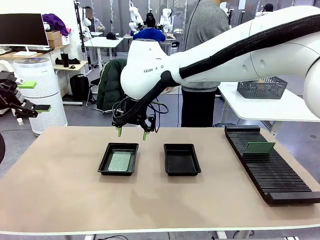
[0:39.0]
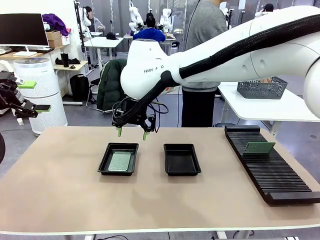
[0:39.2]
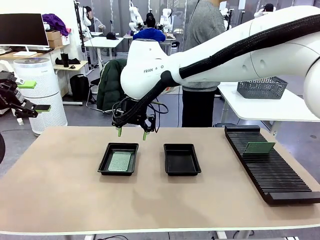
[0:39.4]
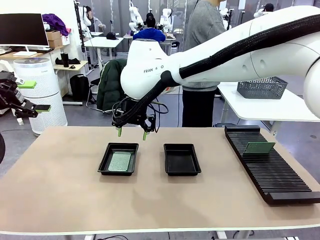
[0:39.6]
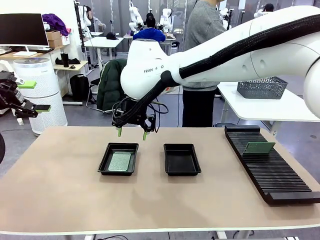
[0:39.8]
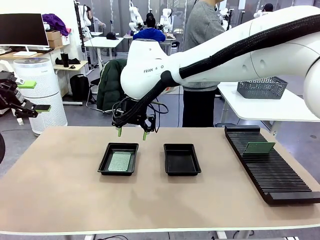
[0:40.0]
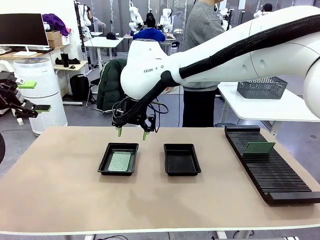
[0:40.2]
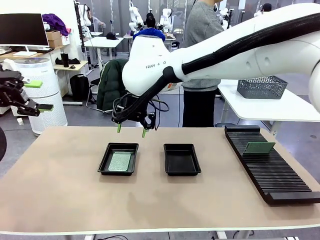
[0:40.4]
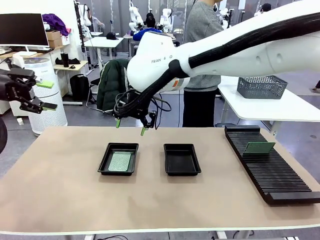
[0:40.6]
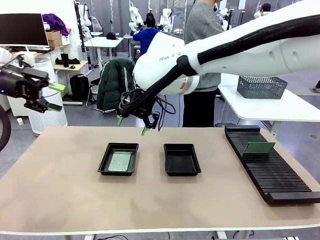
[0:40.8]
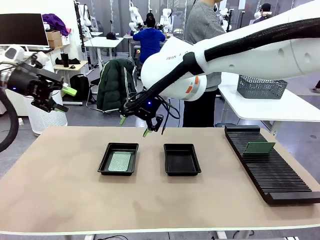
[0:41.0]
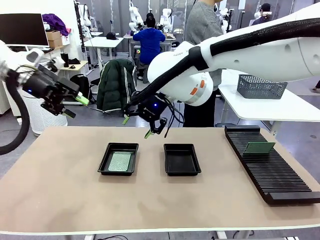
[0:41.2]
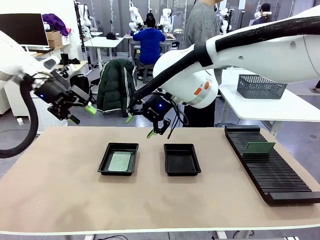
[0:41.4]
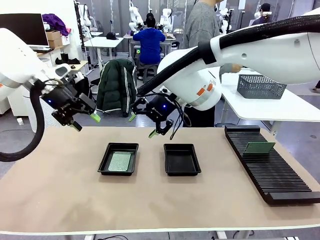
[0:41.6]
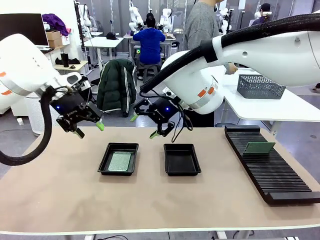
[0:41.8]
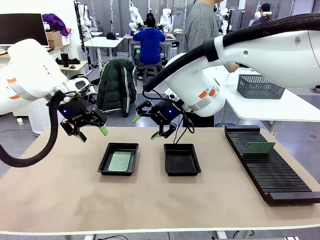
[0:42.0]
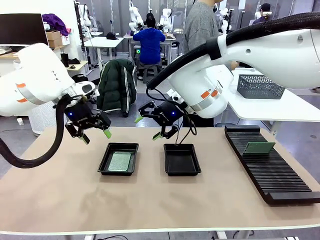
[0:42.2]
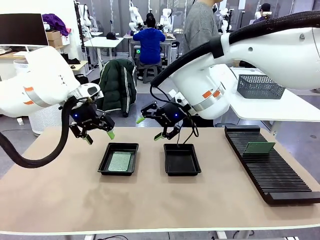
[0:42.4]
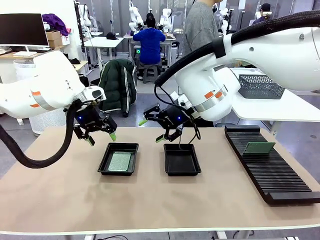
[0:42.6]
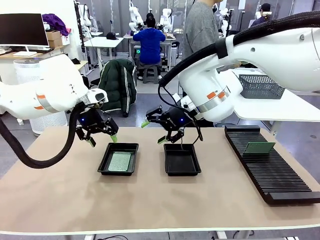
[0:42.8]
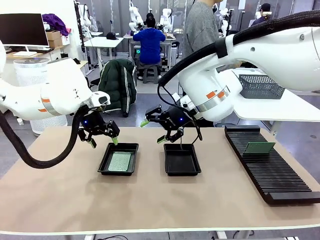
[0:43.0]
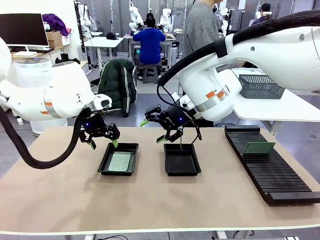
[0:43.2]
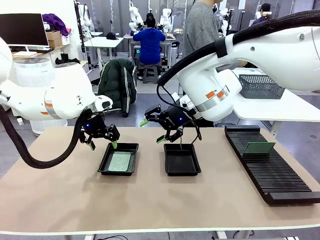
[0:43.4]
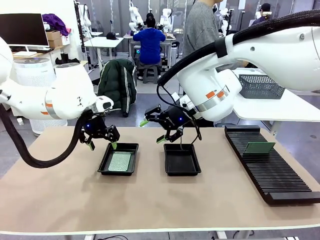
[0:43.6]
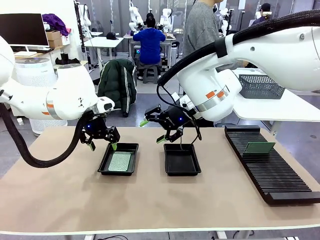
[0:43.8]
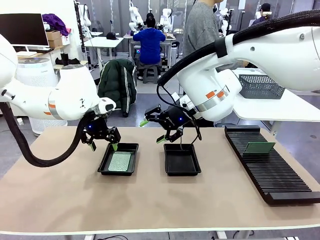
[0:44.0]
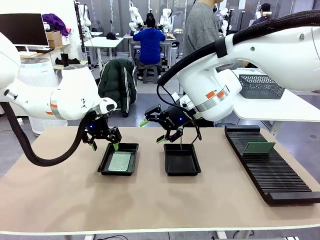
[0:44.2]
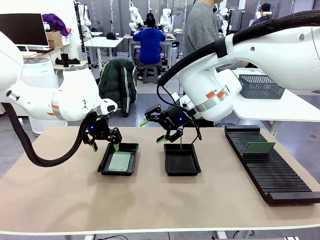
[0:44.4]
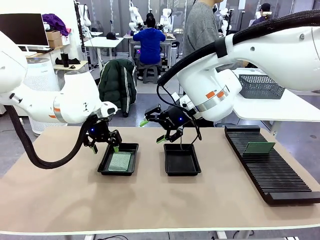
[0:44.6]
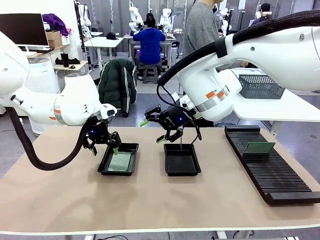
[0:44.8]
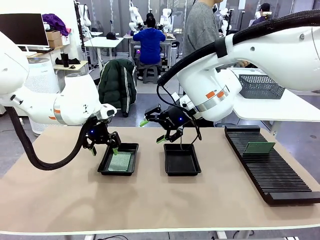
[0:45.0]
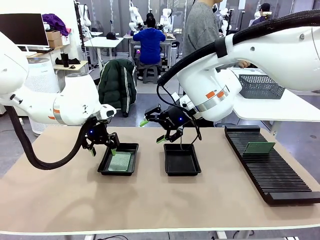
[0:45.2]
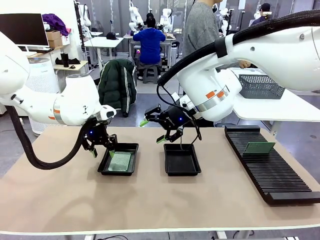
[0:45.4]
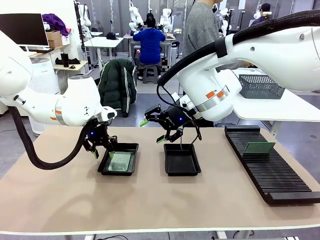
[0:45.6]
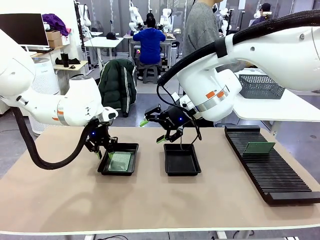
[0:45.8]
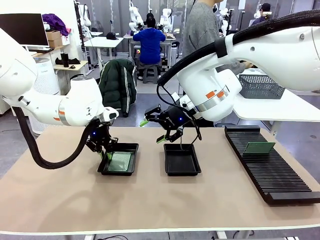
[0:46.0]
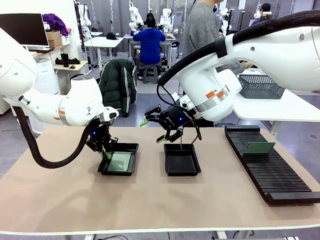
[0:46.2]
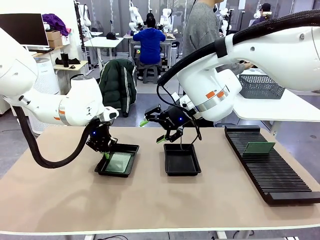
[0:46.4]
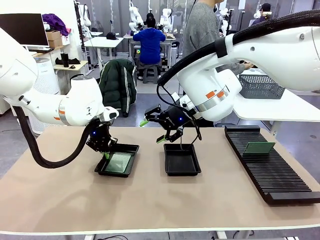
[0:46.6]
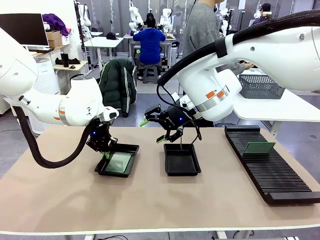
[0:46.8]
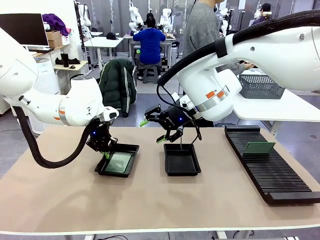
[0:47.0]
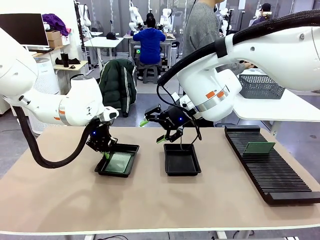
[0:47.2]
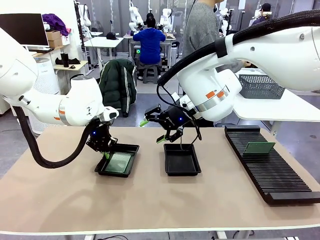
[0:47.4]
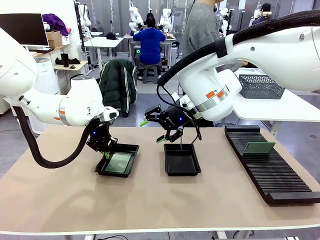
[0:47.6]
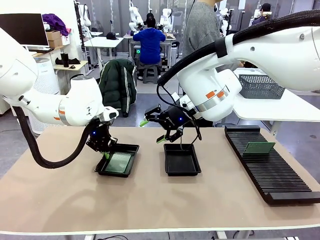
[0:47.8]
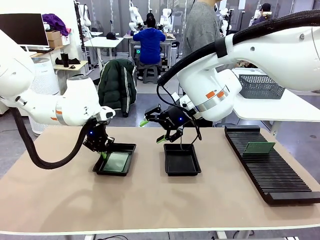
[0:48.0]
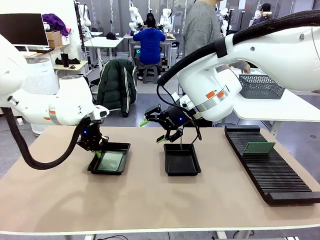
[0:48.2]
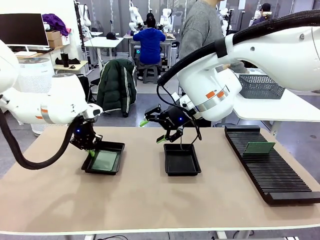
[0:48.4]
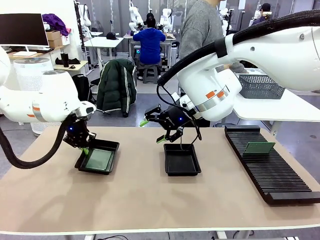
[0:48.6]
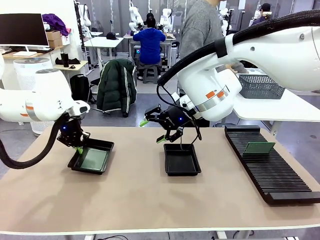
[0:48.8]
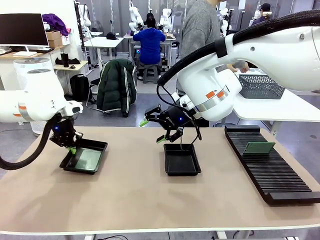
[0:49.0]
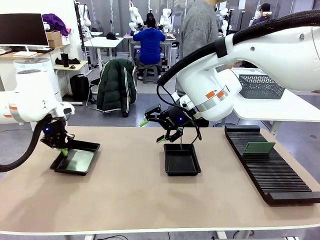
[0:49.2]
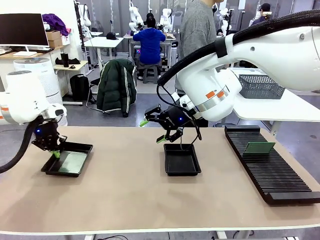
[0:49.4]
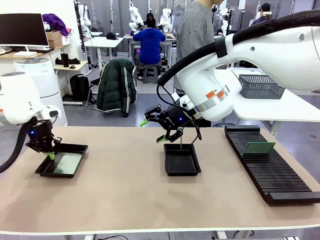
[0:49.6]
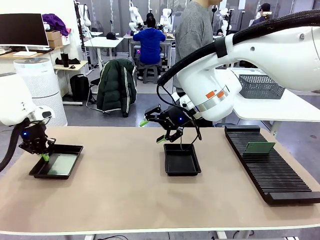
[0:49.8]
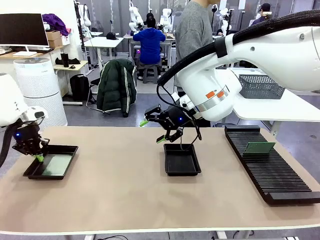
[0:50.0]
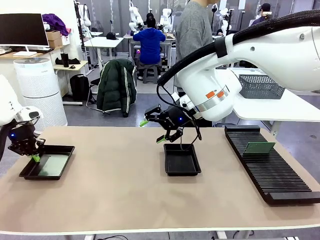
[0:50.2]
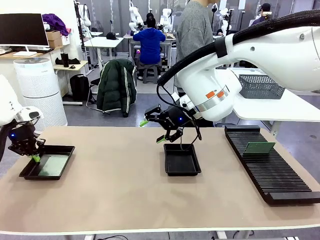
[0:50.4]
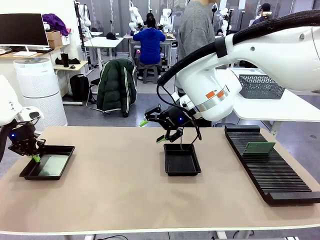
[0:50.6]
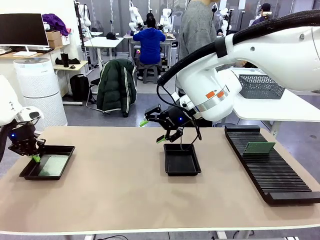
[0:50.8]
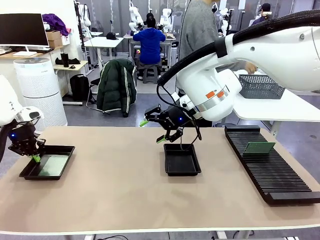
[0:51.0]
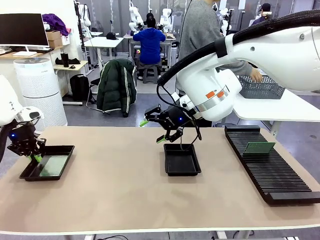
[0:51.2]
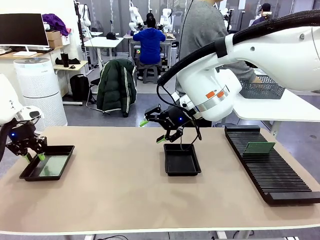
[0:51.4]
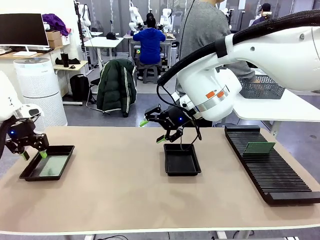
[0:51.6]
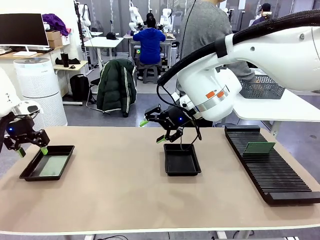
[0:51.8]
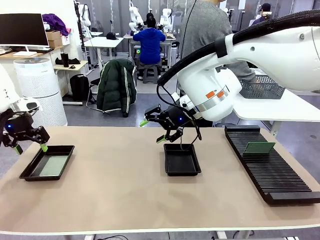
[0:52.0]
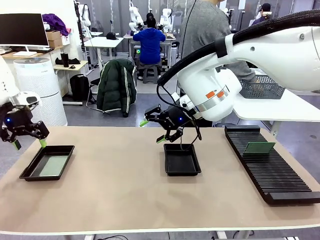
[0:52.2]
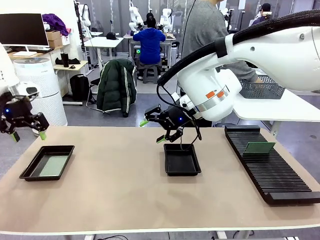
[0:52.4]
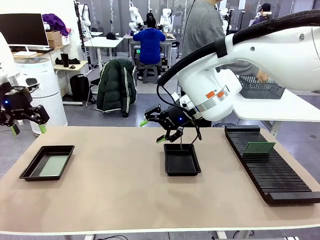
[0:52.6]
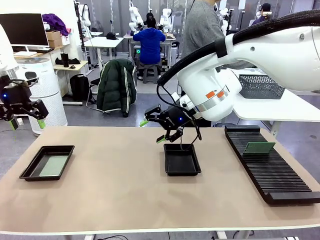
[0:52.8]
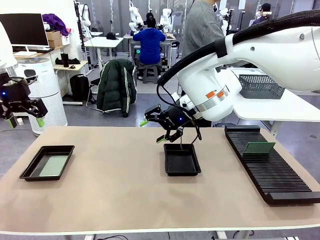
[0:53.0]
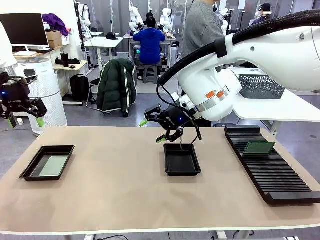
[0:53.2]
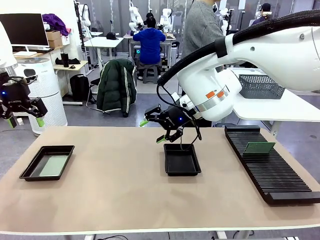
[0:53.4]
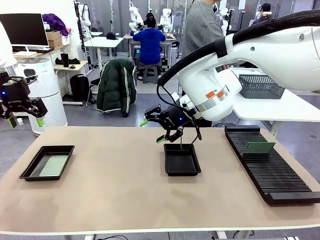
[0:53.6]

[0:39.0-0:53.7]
Task: Inspect and transfer BCBs to ESD trays.
Robot: Pick up the ESD tray and place it on the left side of the table.

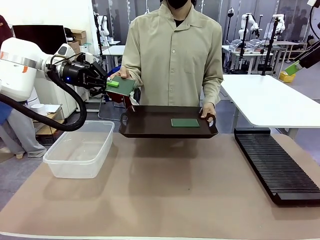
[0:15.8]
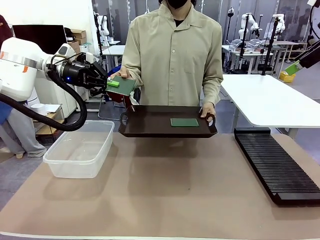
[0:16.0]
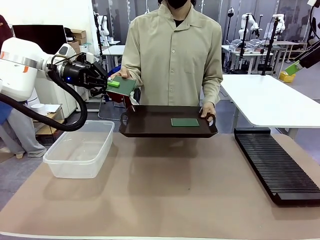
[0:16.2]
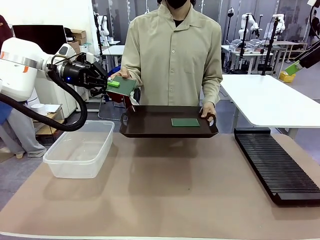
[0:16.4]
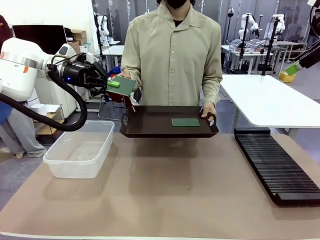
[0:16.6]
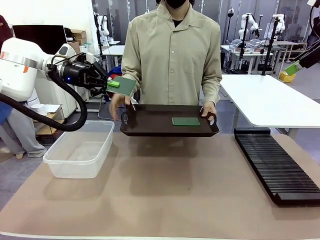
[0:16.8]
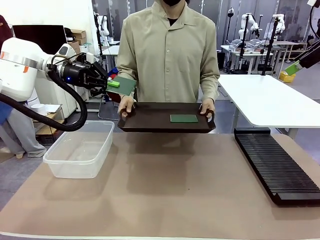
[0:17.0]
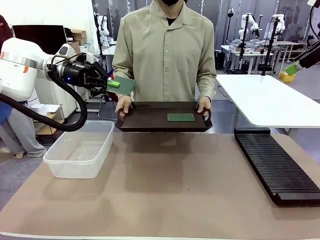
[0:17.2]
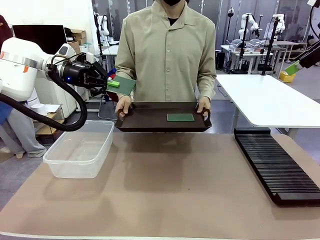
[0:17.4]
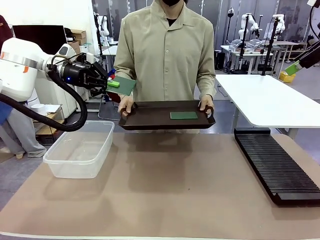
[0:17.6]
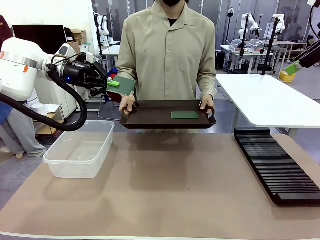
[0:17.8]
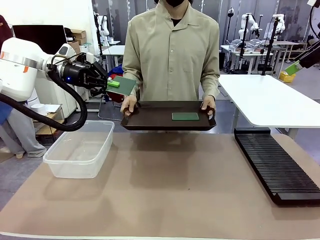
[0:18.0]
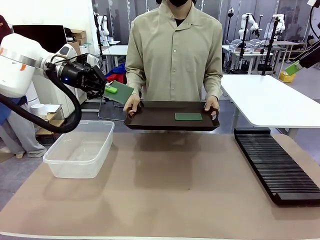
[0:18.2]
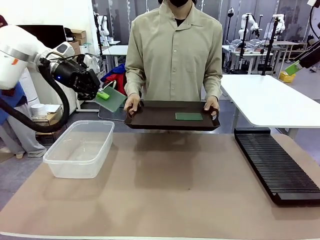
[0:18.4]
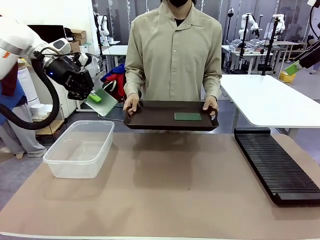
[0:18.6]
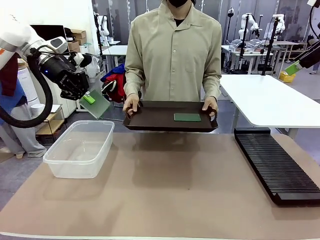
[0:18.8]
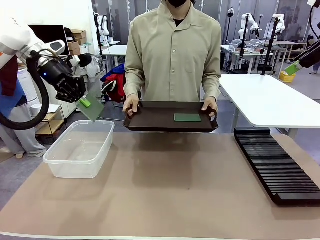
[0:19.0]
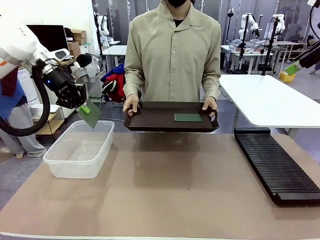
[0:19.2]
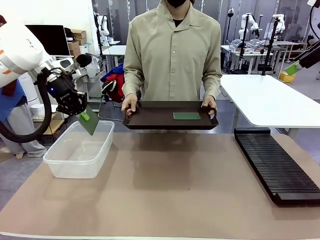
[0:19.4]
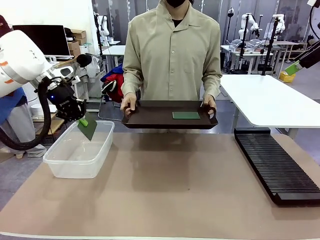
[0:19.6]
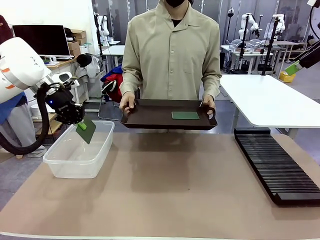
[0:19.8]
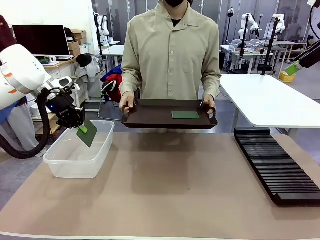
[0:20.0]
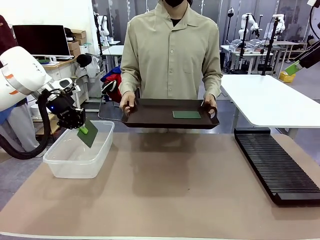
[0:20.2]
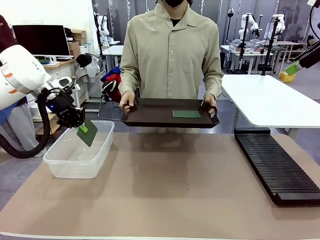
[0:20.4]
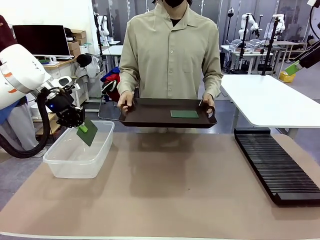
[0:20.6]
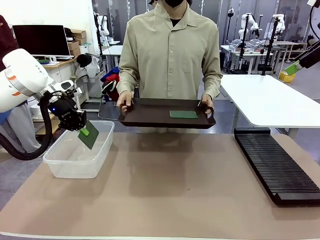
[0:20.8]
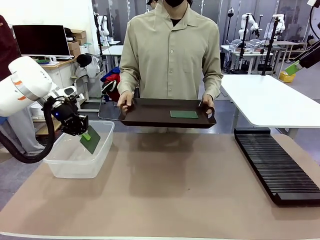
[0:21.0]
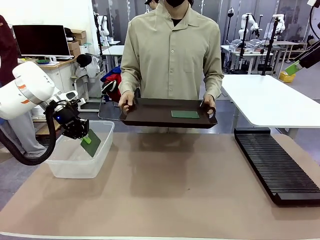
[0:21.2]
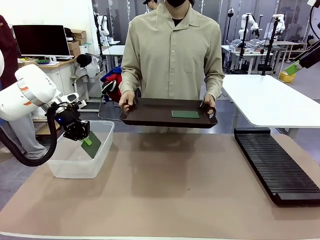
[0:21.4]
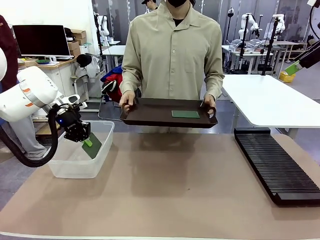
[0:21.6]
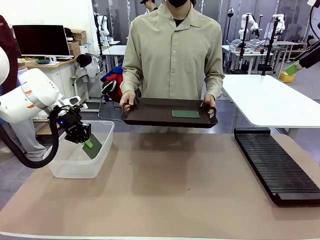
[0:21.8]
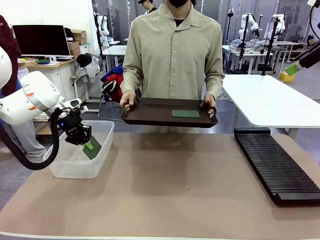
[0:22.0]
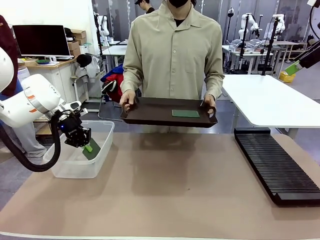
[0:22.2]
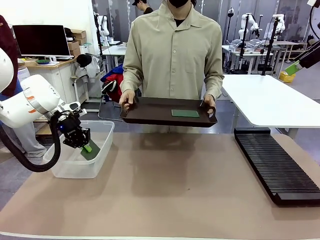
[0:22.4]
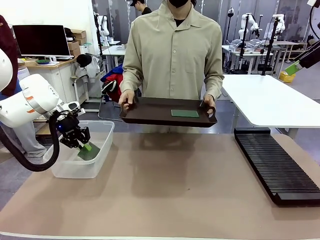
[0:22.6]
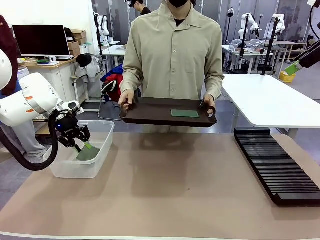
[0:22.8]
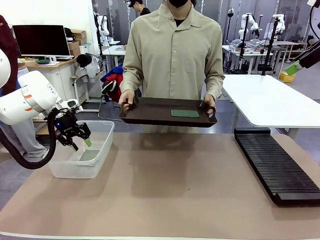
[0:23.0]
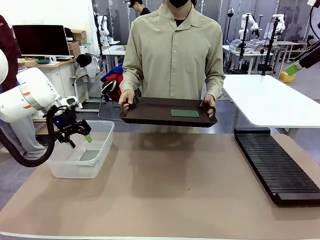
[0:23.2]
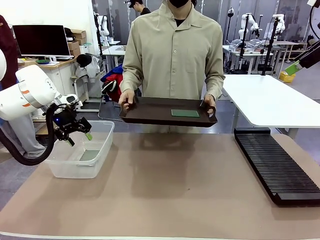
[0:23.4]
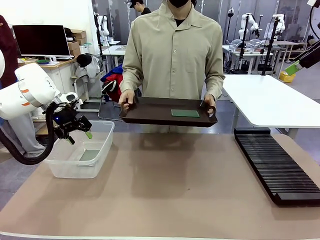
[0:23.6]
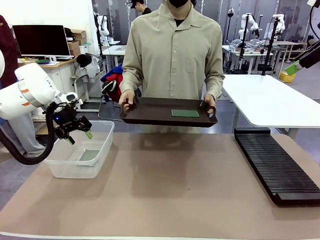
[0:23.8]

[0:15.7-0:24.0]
Task: Sort PCBs into racks and boxes based on the side picked up.
Robot: If the short side of the Blank PCB is picked up, insert it into the PCB Rack ; if the long side is picked up, place it in the Organizing box.
